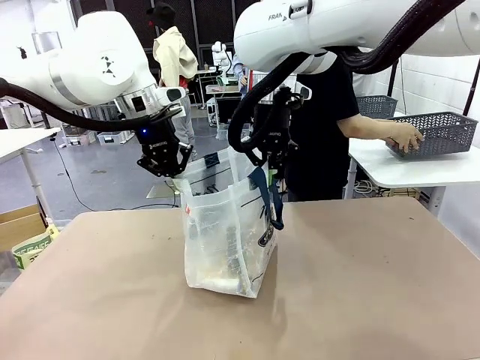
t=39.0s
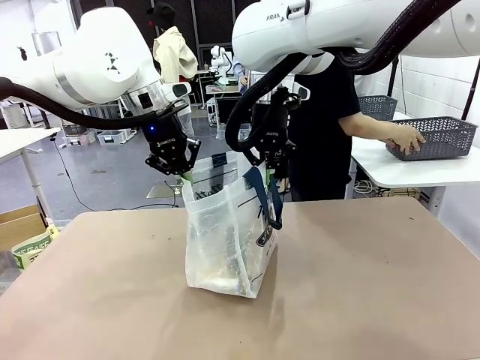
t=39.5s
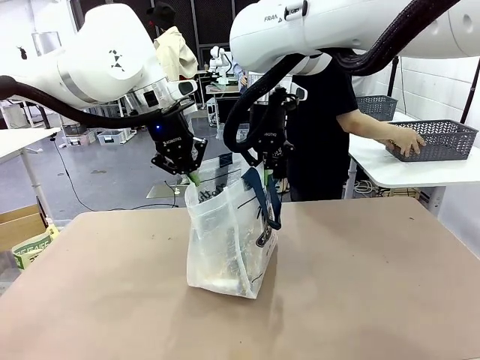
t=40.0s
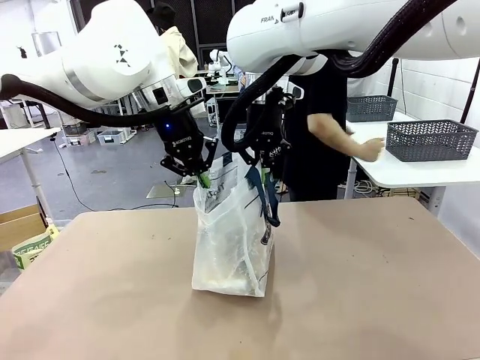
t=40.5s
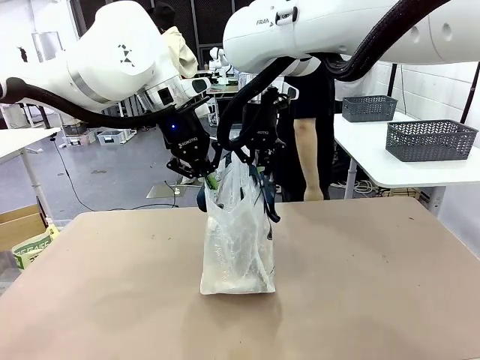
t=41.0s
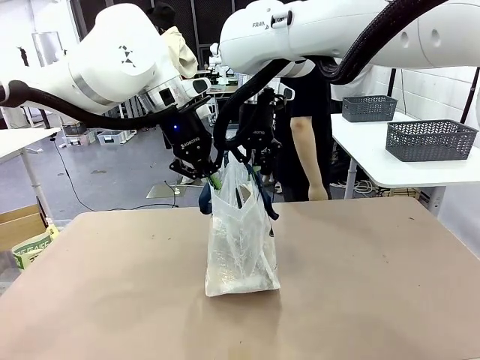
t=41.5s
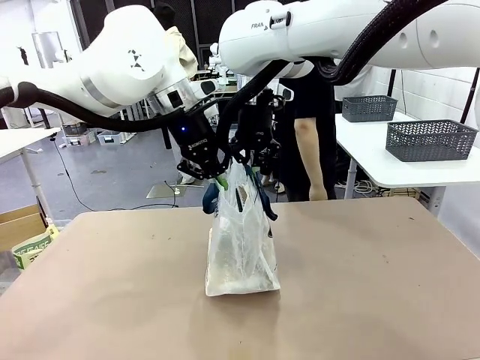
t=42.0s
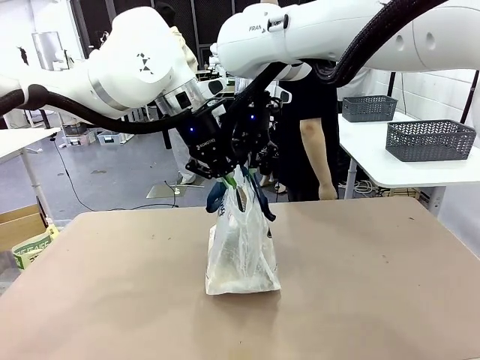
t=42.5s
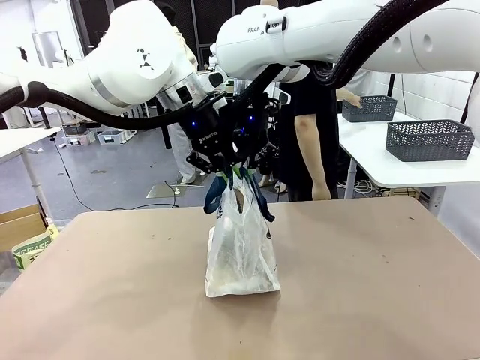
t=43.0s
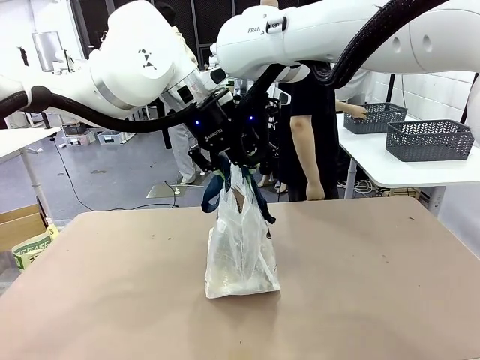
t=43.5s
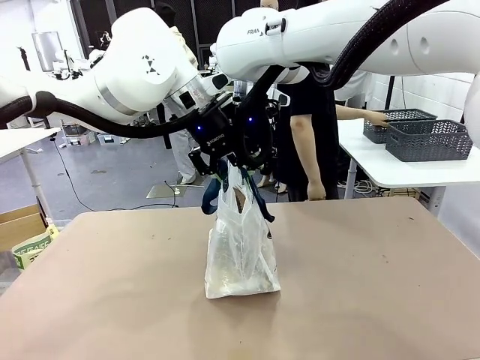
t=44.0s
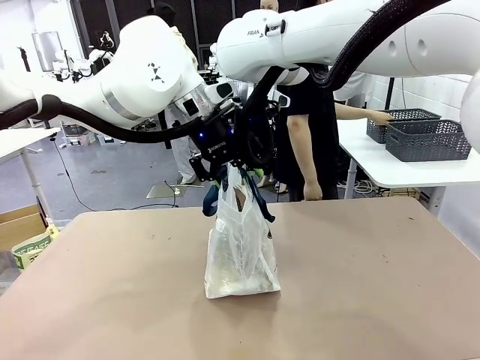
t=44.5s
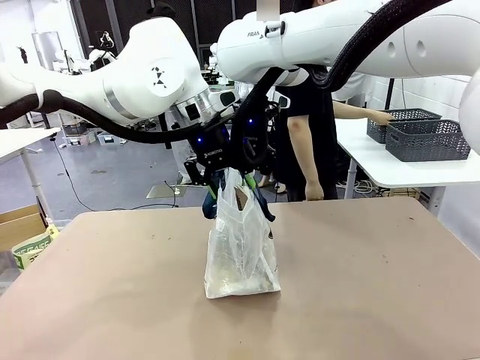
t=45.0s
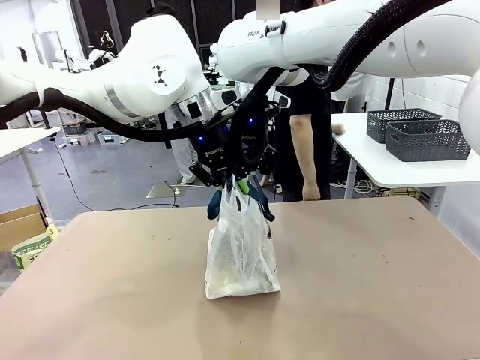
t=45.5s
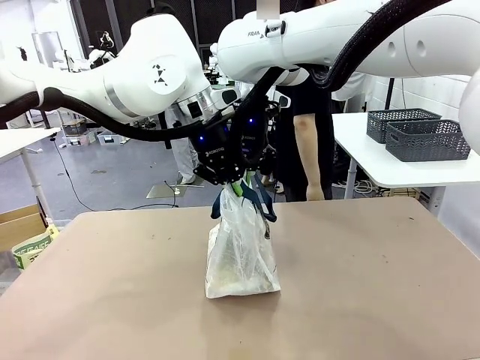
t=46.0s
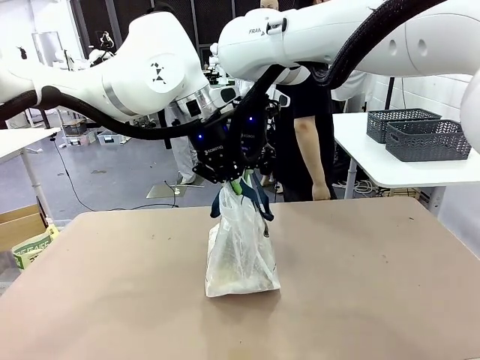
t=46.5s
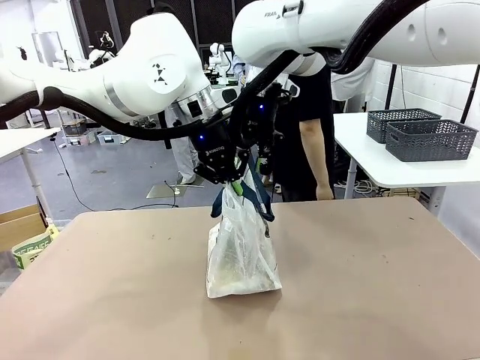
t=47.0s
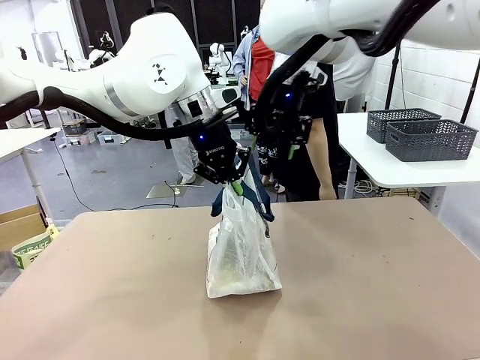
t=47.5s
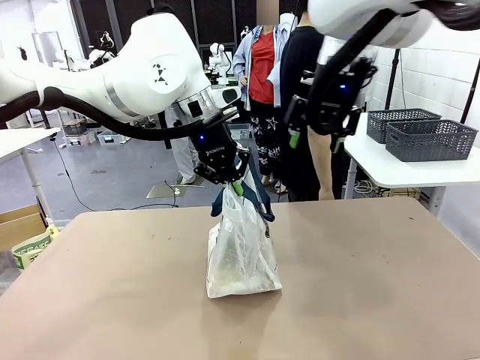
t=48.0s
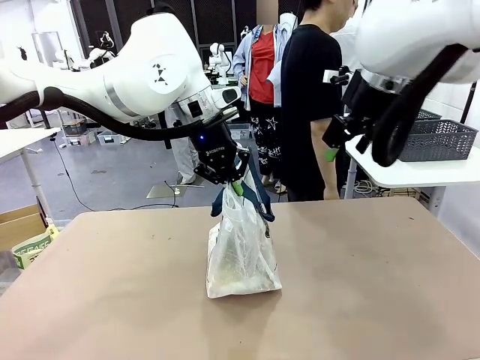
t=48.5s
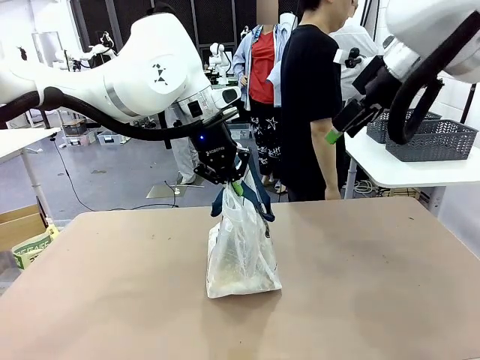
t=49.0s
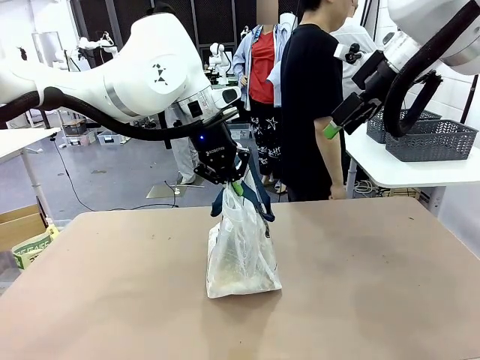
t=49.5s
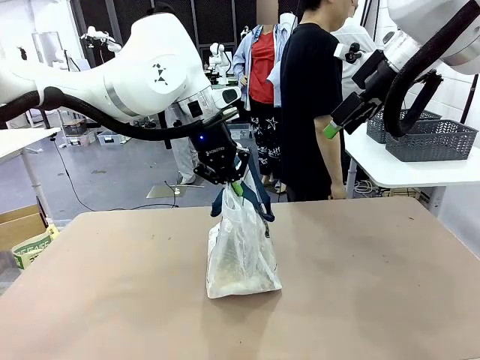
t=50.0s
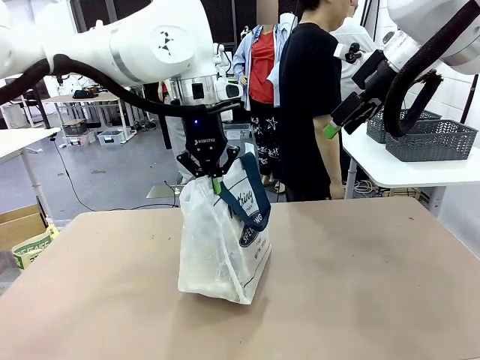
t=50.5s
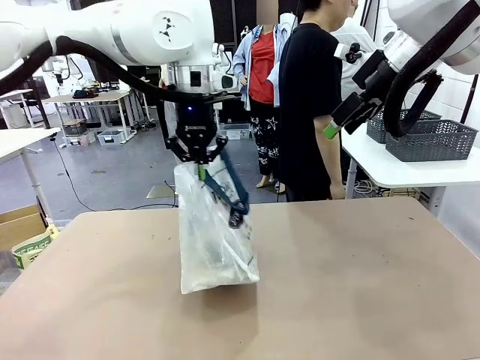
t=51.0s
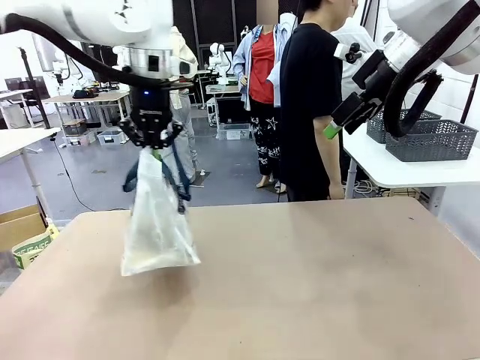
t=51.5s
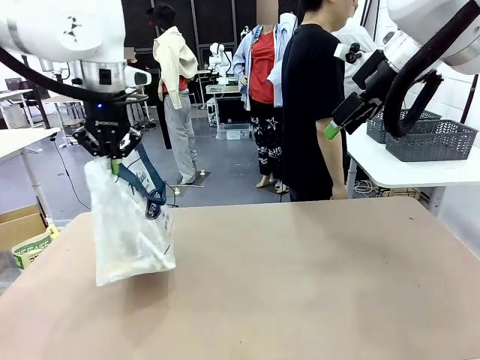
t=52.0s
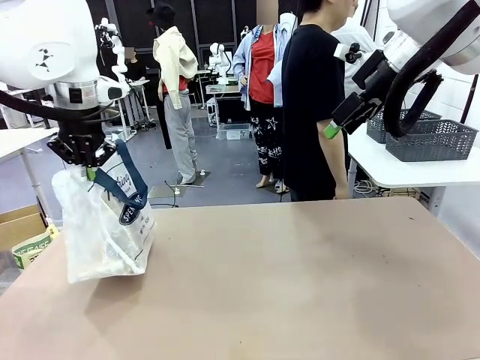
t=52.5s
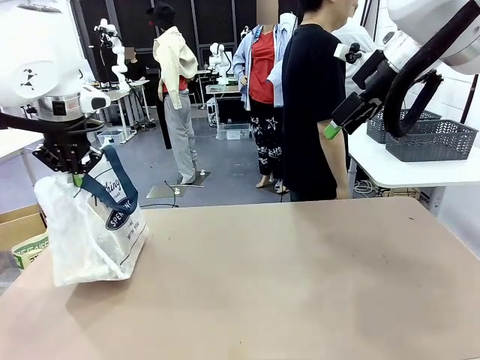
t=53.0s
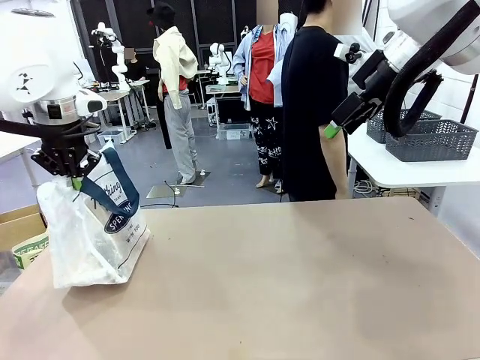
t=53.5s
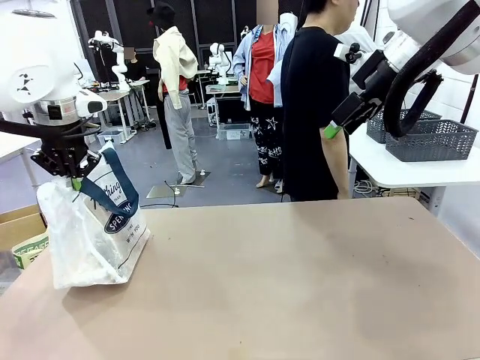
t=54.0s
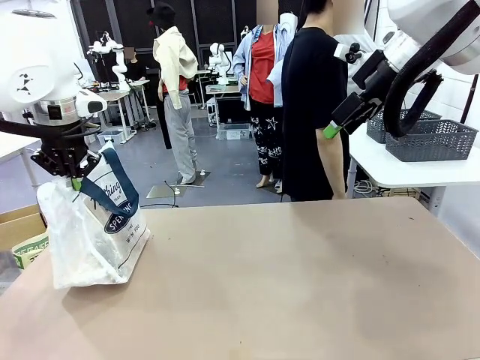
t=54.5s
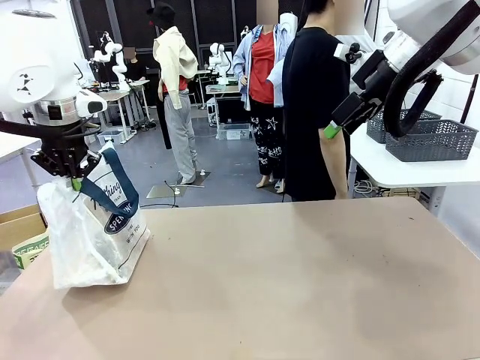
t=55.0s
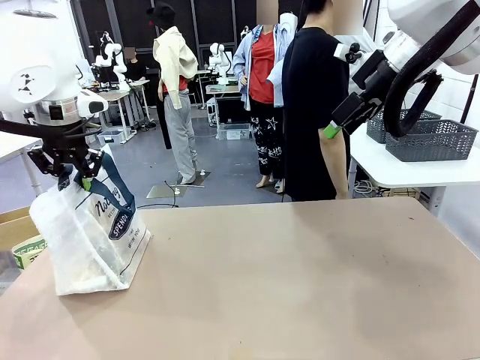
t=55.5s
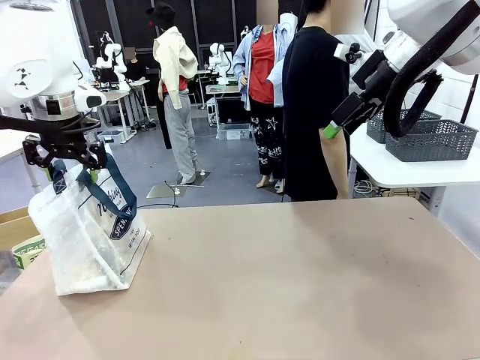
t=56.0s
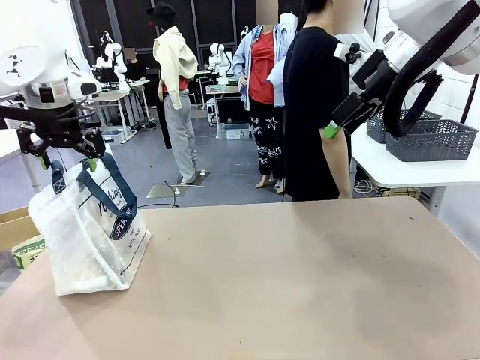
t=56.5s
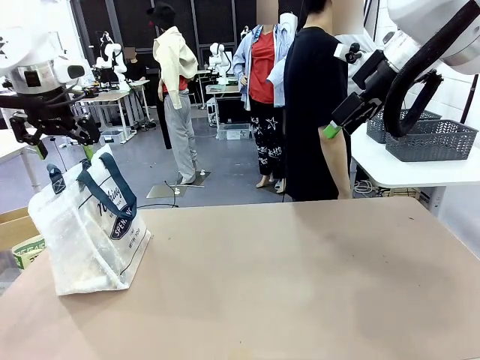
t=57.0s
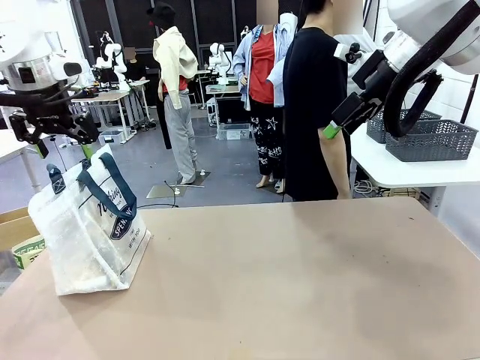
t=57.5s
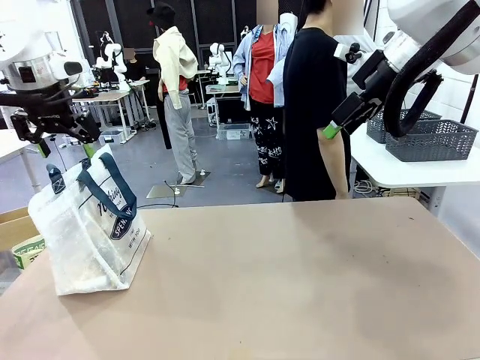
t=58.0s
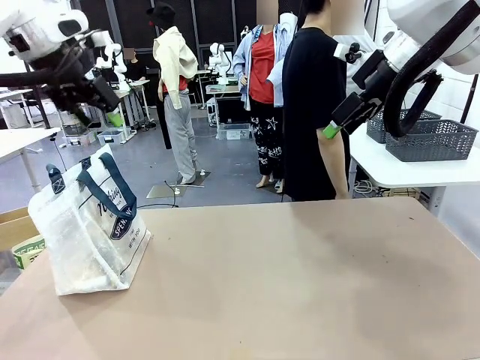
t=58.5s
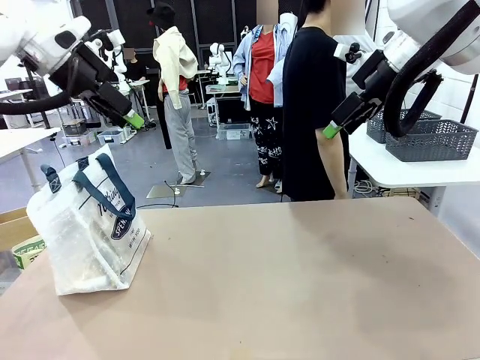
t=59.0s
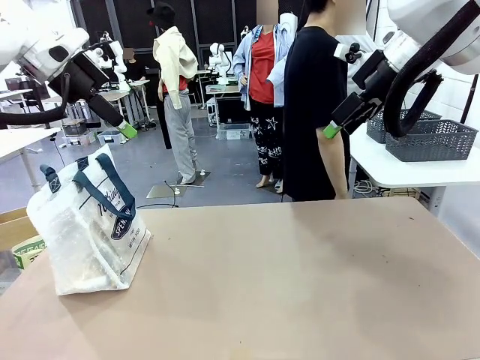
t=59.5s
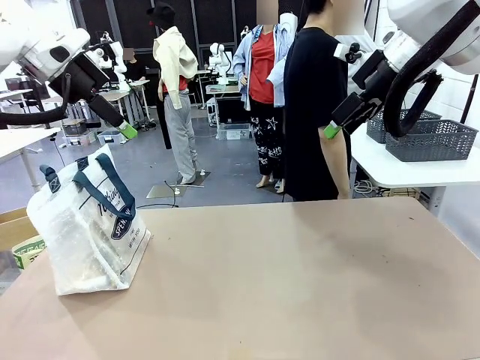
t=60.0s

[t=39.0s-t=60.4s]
Task: Transfer purchased items from the store into the shopping bag.
Robot: Move the Reusable shopping bag to the right side of the table.
Person: Move the basket on the left to the middle of the person's table.

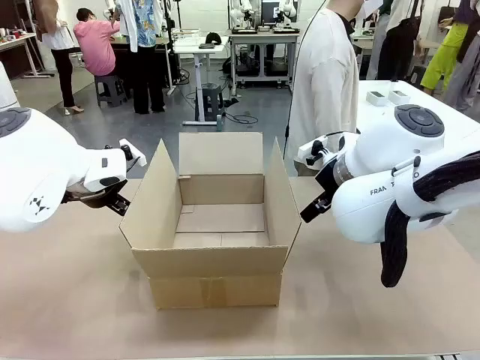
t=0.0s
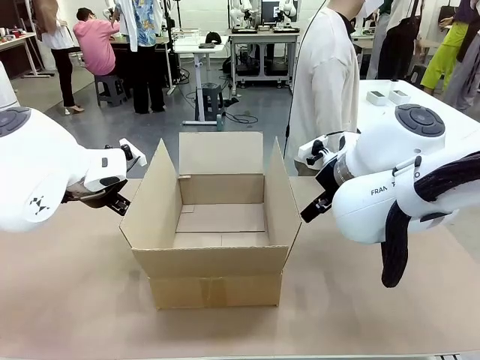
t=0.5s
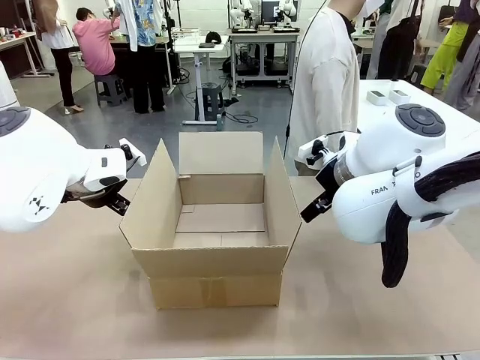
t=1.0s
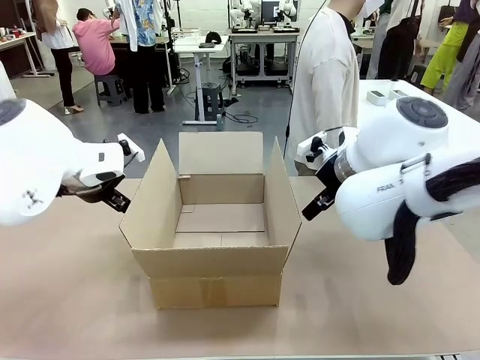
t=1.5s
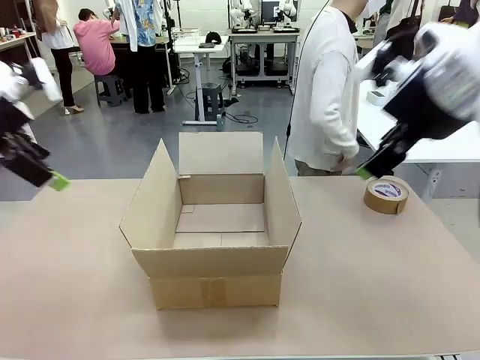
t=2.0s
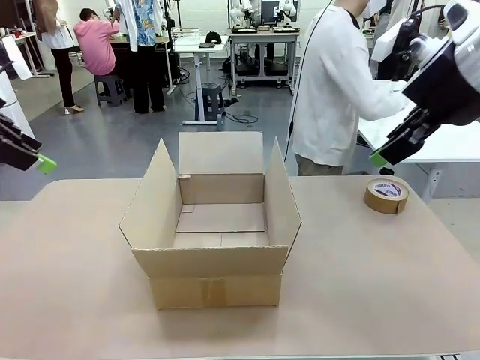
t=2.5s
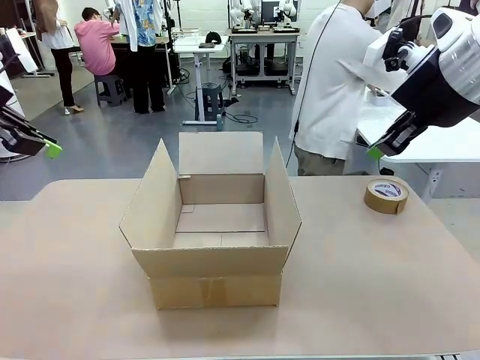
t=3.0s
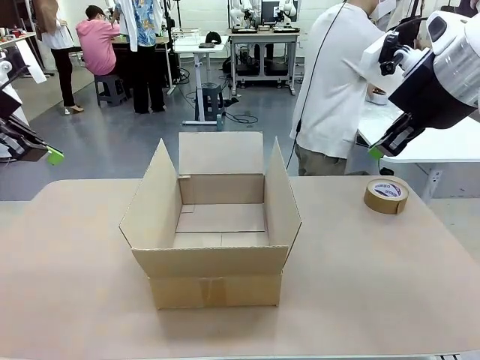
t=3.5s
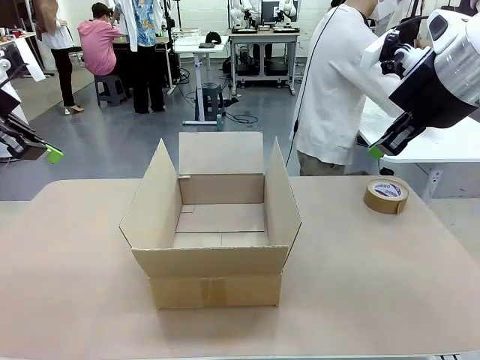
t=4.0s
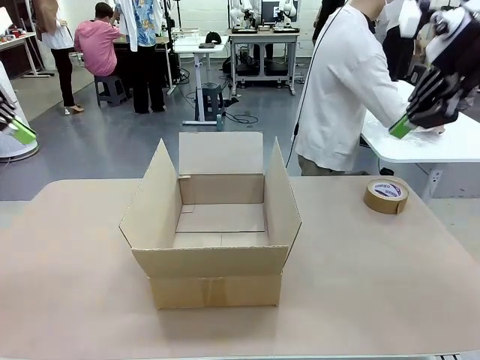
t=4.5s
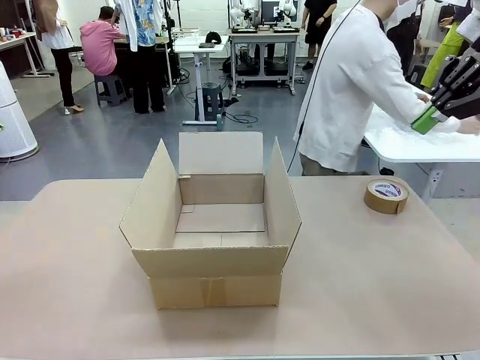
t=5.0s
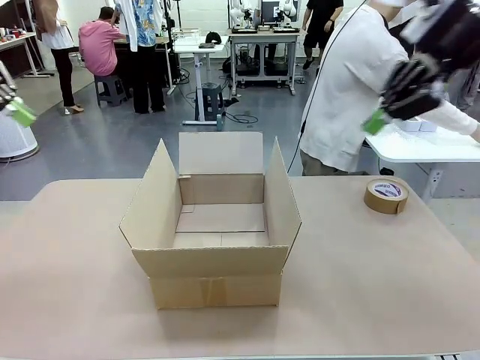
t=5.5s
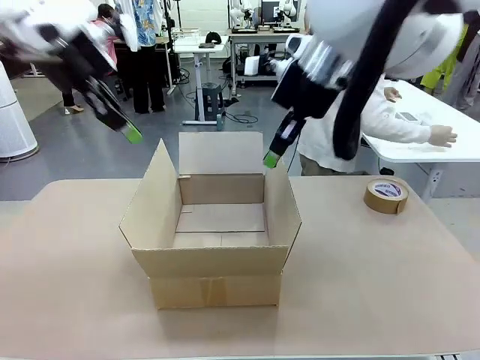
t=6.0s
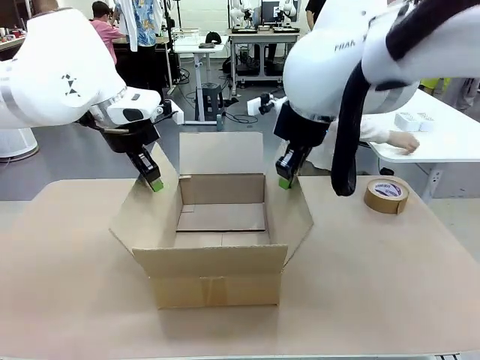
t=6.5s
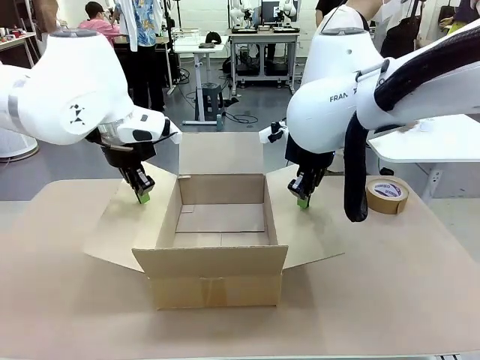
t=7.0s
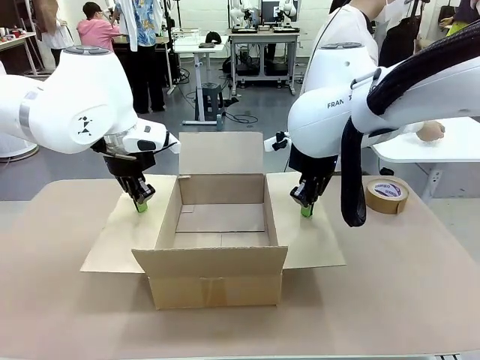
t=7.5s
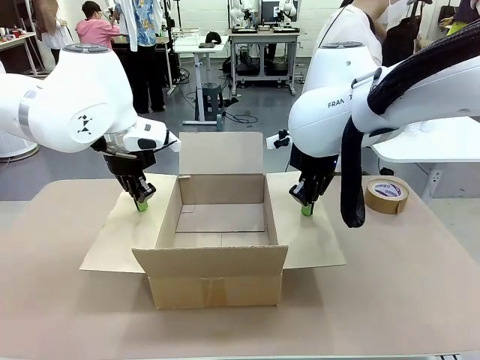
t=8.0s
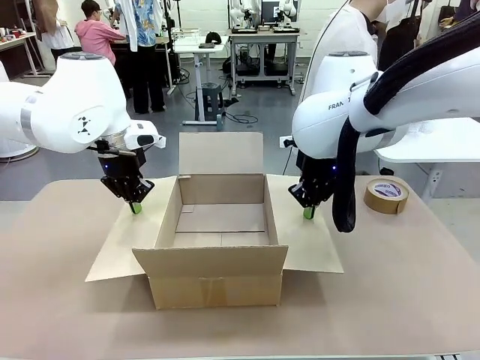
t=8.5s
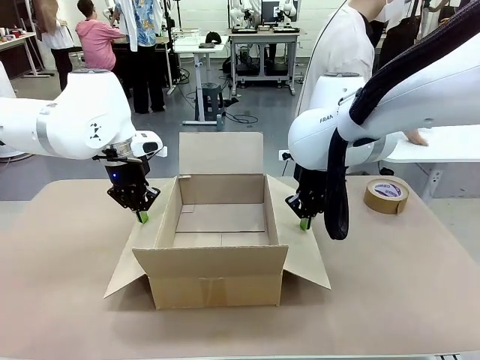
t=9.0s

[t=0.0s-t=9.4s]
Task: Wrap the clocks to prevent damage.
Robot: Open the side flaps of the Package Box.
Person: Wrap the two Digital clocks with Bubble Wrap.
